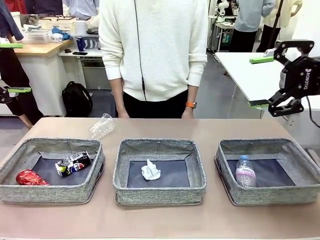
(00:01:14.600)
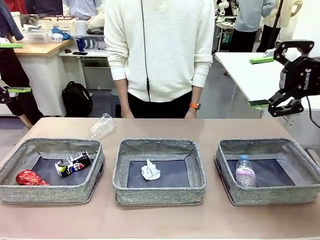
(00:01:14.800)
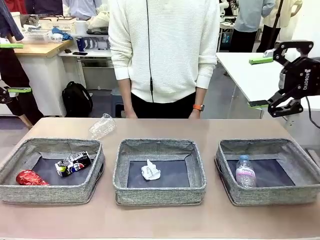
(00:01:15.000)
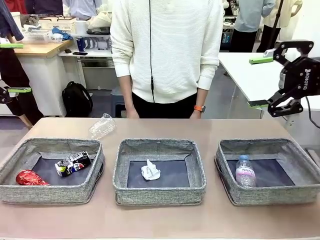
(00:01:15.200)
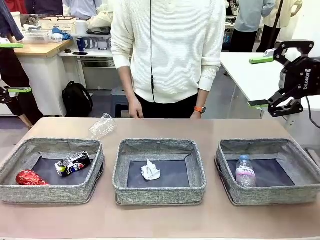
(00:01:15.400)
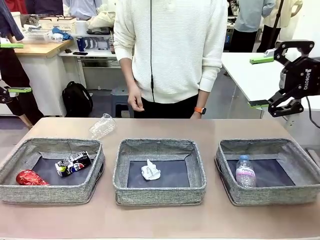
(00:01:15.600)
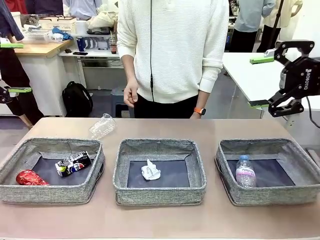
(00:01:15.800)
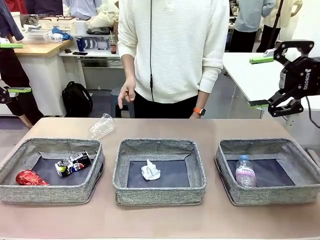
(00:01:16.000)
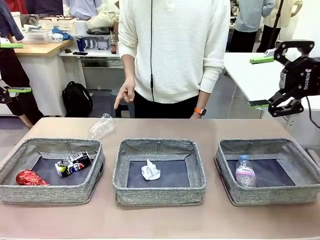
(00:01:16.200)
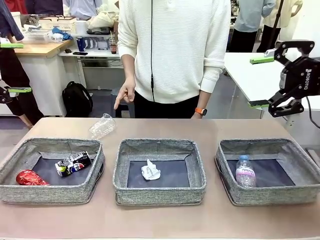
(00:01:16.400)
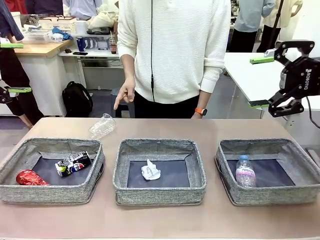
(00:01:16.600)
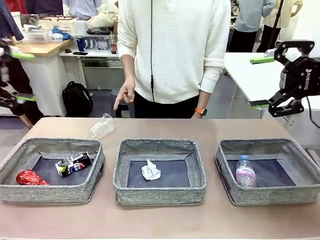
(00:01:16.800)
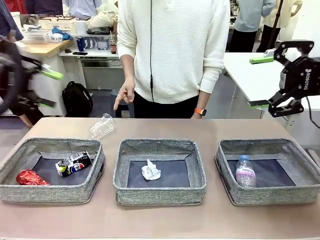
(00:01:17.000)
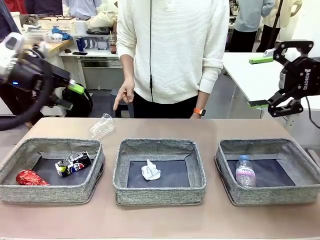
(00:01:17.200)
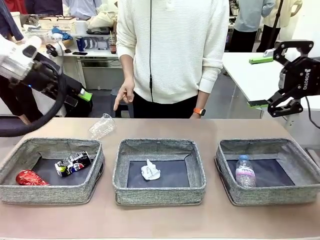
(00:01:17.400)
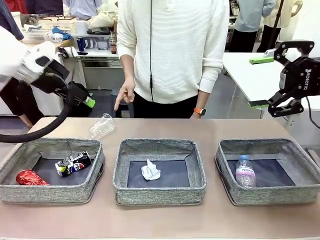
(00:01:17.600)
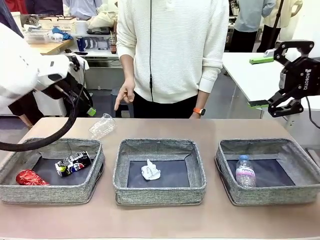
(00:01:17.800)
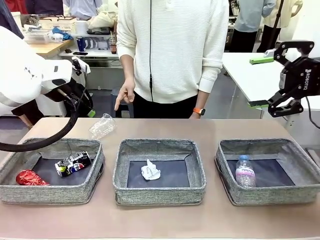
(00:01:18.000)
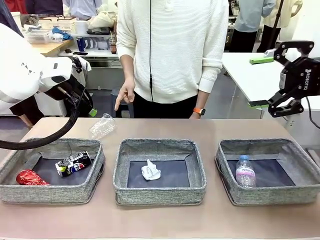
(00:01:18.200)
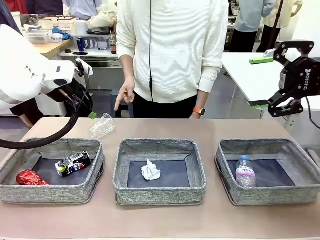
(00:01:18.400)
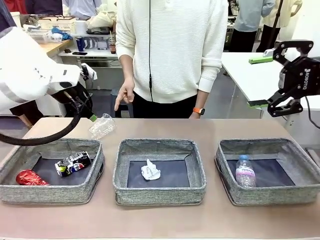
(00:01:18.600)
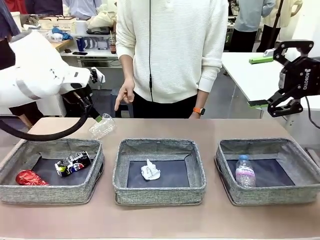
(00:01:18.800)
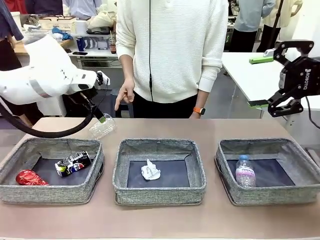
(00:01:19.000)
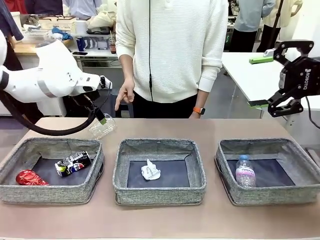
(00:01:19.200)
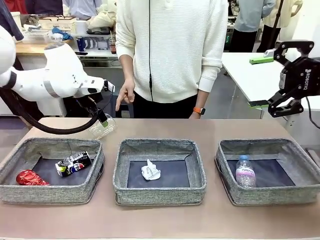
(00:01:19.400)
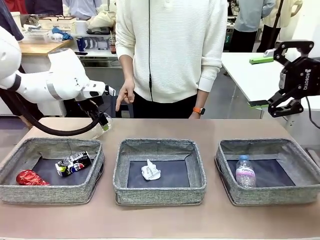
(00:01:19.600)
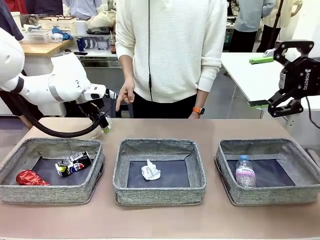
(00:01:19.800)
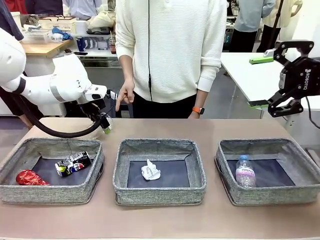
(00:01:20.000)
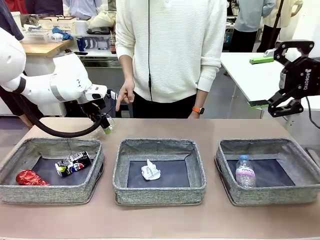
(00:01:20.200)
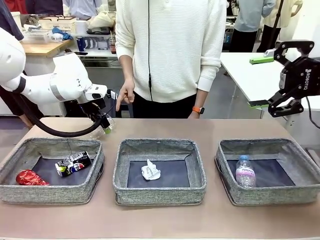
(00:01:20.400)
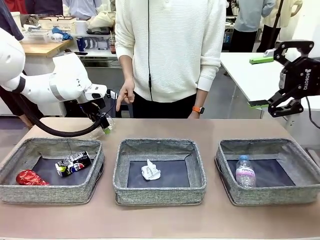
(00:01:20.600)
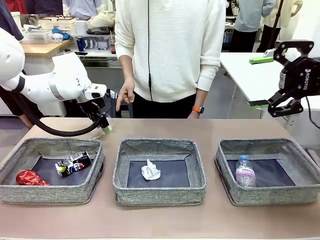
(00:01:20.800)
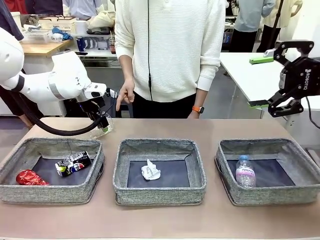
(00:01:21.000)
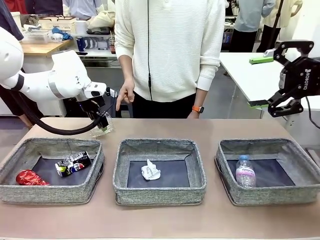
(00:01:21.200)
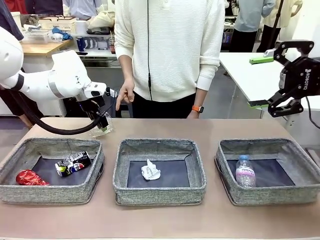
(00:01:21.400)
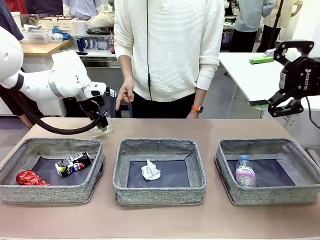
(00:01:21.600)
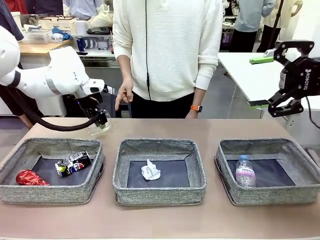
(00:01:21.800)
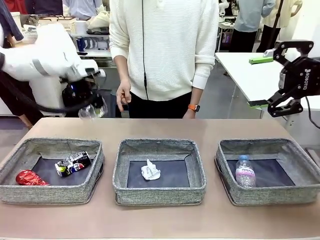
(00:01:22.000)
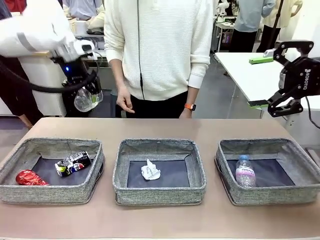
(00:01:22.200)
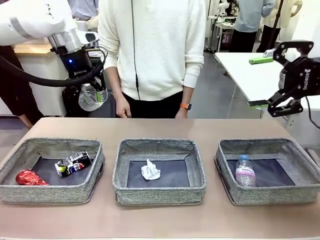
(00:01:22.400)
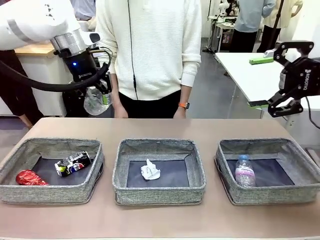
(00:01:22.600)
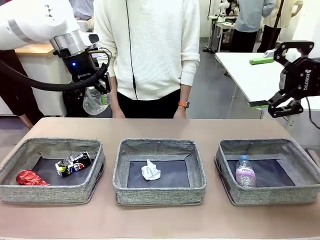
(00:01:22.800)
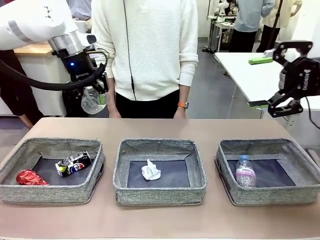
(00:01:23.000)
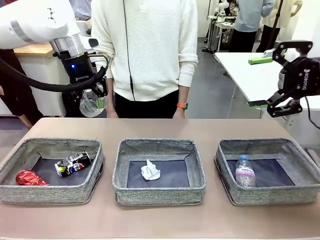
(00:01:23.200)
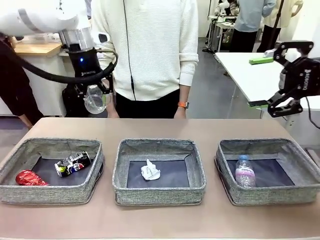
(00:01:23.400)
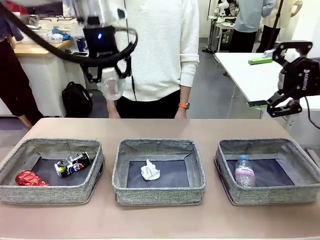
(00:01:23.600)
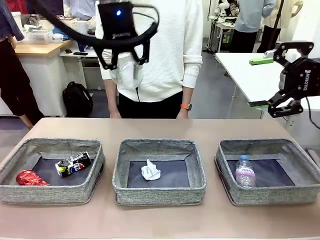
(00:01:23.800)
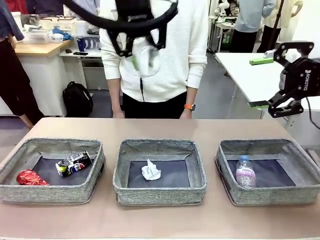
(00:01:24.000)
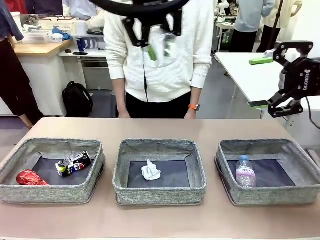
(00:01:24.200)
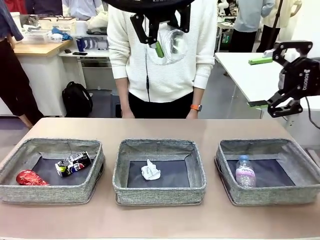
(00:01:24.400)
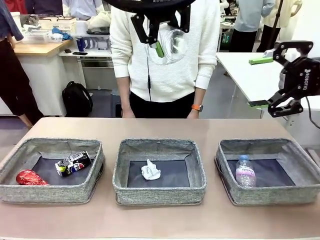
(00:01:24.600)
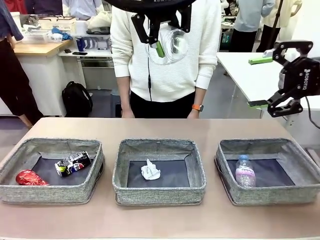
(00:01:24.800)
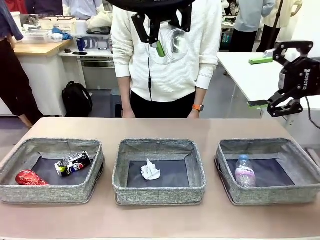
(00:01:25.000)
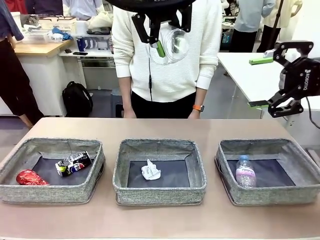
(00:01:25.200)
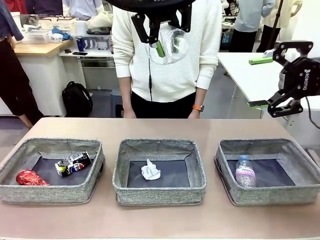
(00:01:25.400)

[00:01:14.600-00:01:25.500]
Task: Sort the waste into the appropriate baskets.
Robot: Pick up the waste item pointed out by the person.
Person: Points to one piece of trash on the table.

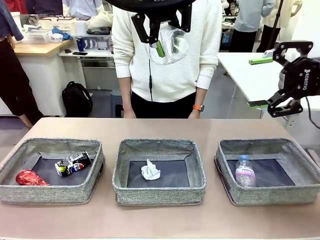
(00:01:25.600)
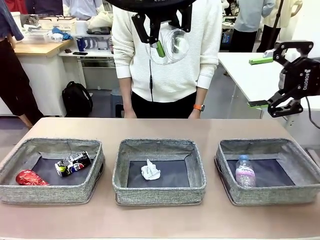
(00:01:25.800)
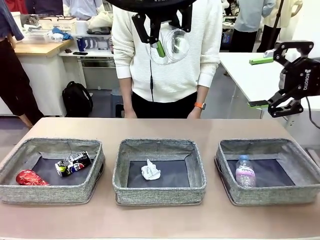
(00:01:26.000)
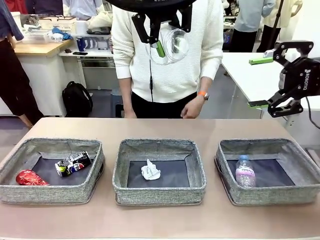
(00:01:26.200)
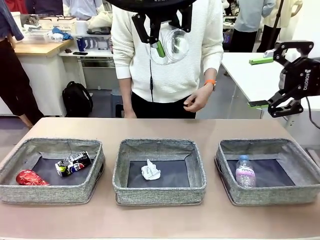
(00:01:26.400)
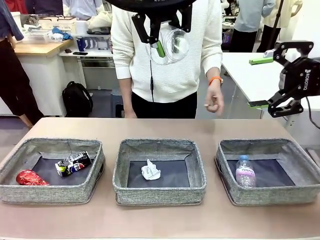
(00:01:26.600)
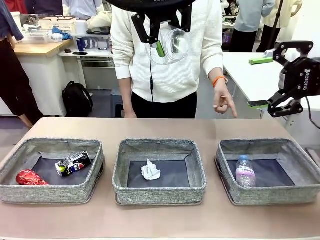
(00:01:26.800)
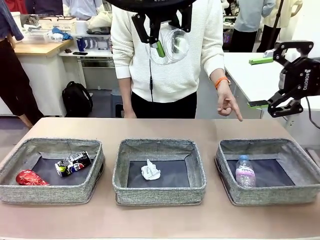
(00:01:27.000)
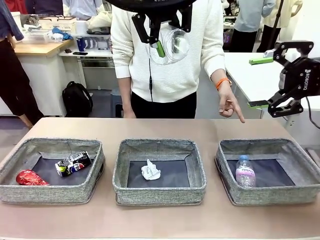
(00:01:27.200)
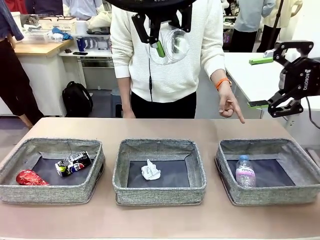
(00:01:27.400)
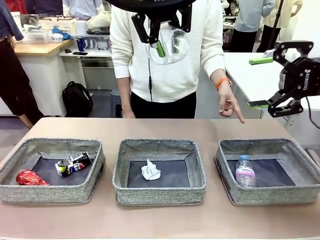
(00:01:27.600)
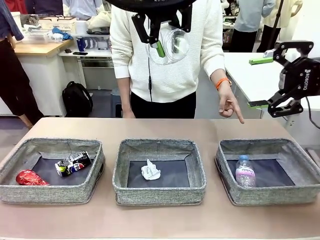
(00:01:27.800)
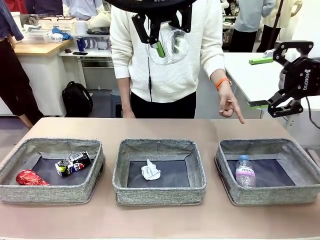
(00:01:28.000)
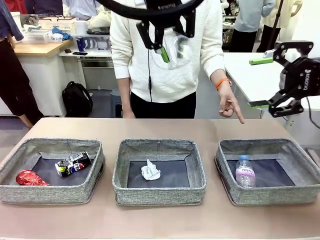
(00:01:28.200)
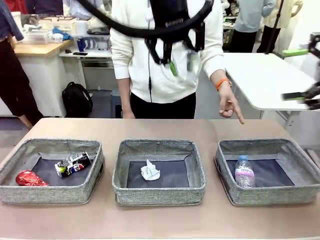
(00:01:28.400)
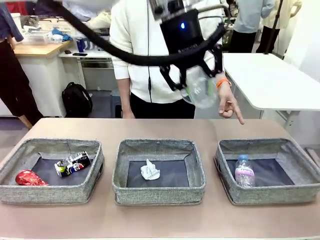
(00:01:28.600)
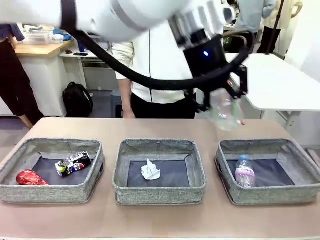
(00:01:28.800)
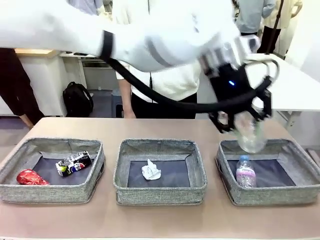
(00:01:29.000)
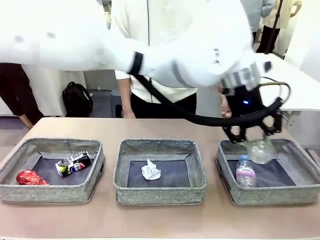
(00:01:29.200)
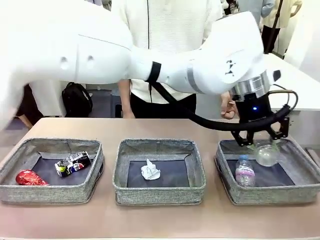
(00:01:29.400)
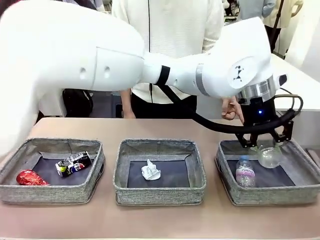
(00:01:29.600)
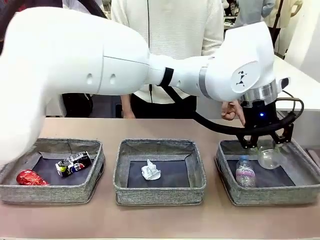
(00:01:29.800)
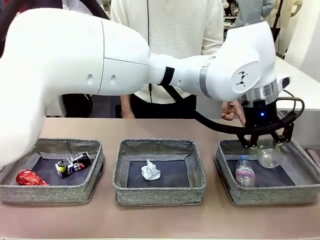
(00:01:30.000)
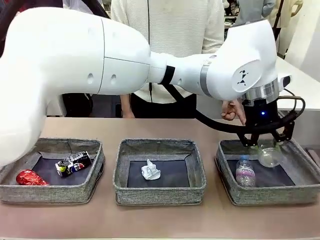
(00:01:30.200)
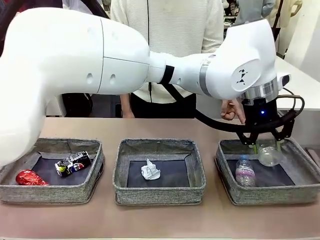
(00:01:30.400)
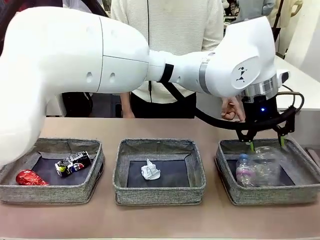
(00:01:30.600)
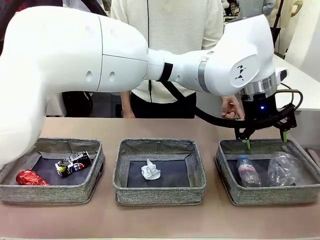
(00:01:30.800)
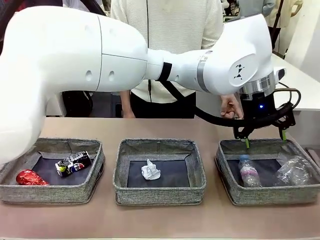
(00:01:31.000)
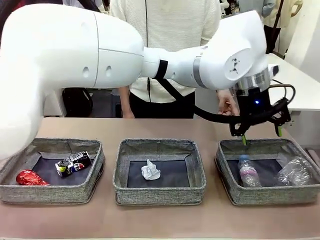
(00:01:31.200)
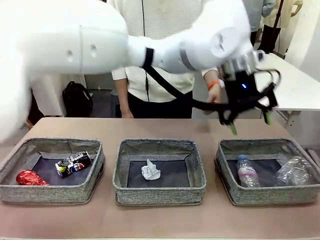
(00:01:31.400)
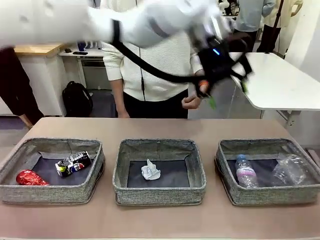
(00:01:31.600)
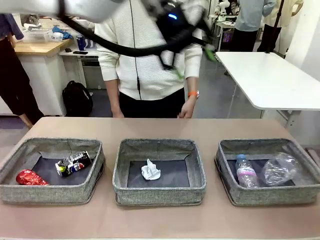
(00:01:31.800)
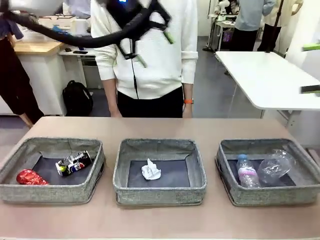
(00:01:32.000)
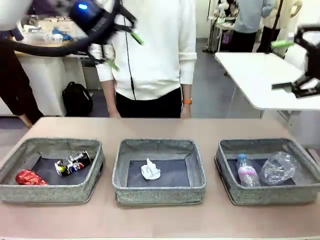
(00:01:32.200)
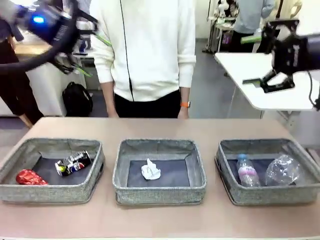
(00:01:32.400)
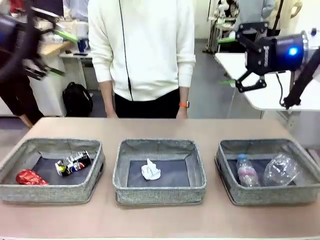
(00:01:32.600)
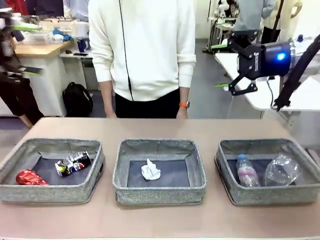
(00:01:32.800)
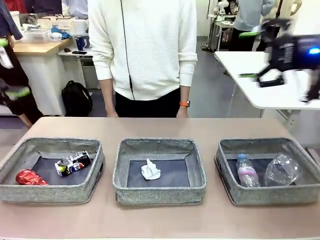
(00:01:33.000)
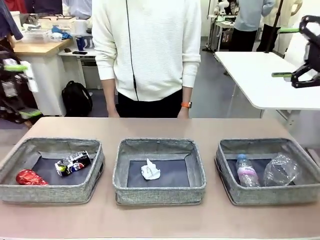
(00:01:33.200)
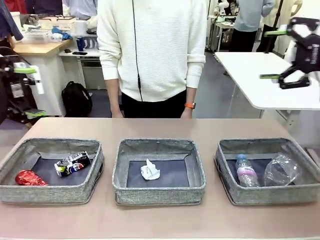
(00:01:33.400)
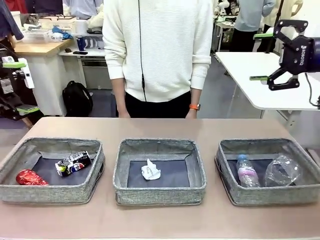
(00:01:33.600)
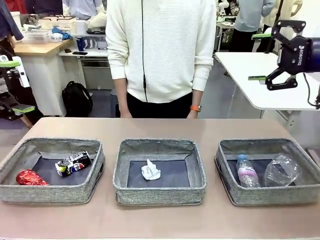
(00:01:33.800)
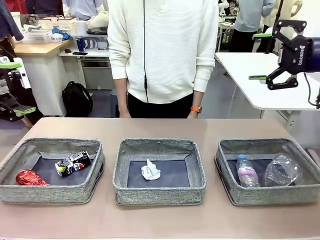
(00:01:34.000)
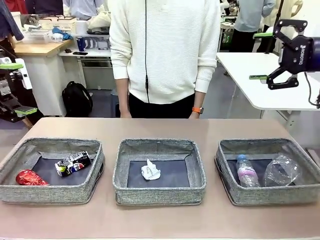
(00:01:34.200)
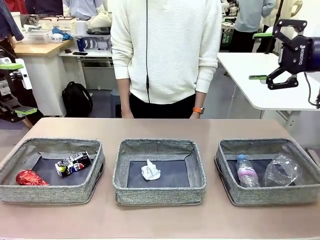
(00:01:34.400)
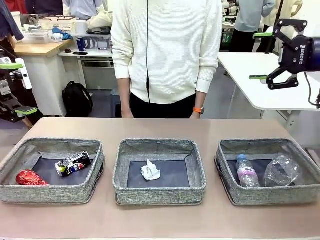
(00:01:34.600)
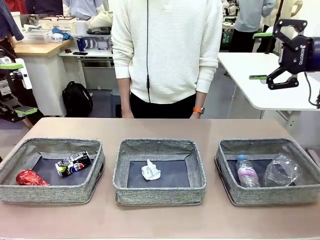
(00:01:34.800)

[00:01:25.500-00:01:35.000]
Robot: Place the picked waste into the Fabric basket indicated by the person.
Person: Instructs the robot to place the picked-up trash into the appropriate organizing basket.
